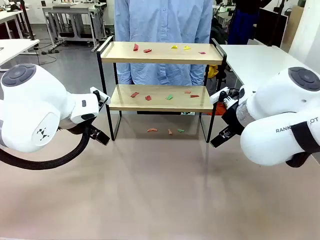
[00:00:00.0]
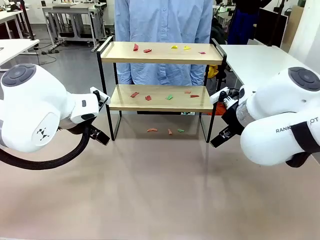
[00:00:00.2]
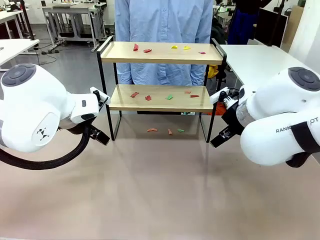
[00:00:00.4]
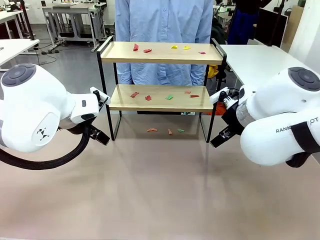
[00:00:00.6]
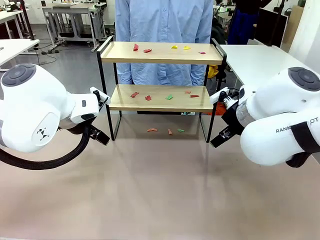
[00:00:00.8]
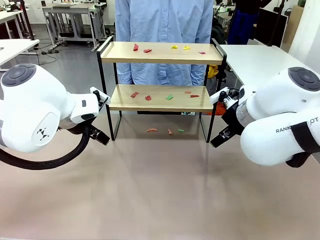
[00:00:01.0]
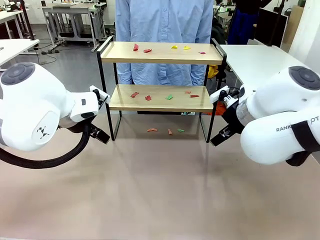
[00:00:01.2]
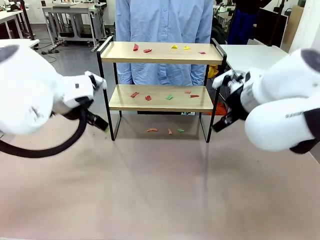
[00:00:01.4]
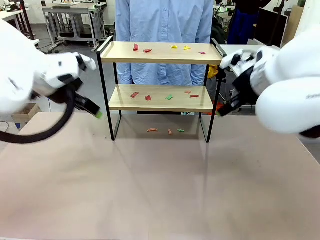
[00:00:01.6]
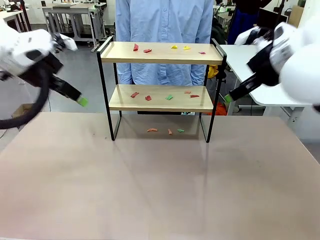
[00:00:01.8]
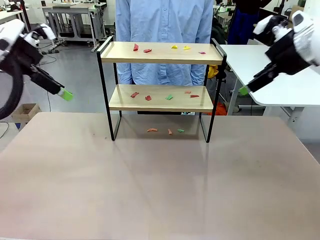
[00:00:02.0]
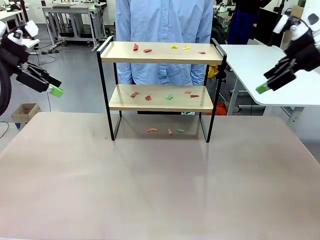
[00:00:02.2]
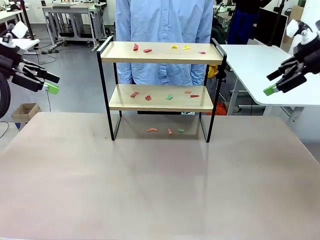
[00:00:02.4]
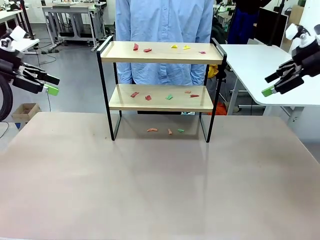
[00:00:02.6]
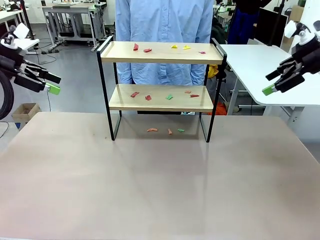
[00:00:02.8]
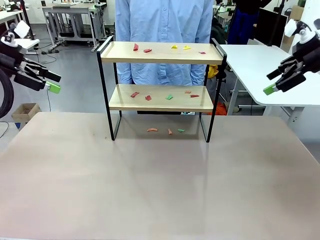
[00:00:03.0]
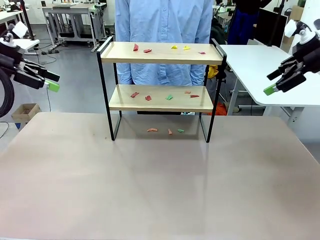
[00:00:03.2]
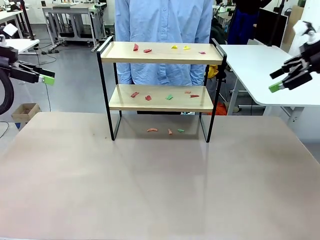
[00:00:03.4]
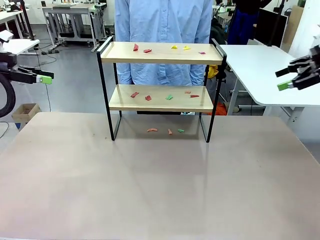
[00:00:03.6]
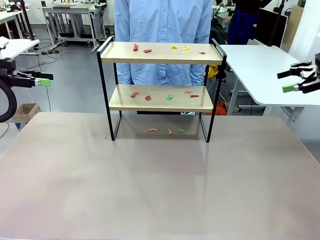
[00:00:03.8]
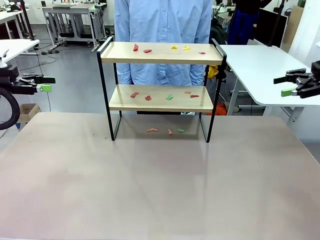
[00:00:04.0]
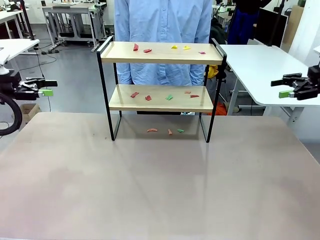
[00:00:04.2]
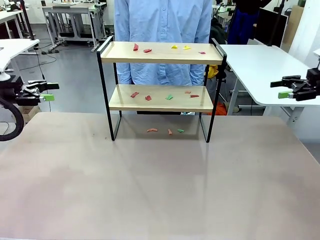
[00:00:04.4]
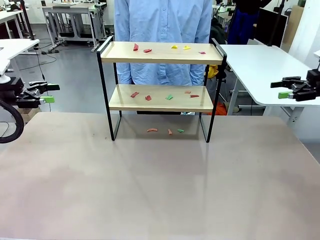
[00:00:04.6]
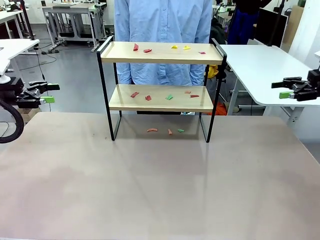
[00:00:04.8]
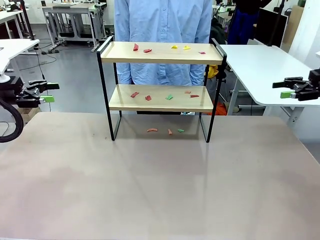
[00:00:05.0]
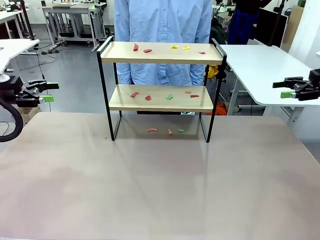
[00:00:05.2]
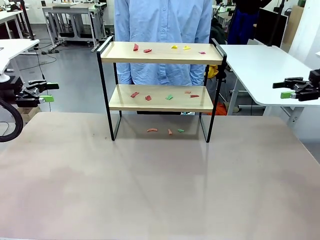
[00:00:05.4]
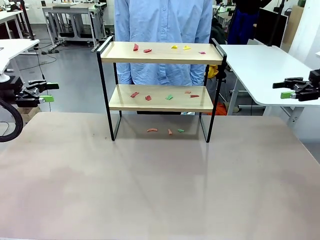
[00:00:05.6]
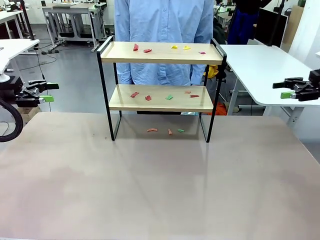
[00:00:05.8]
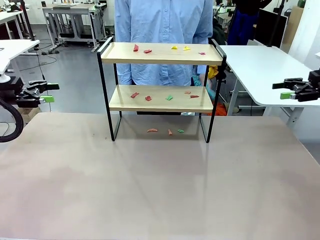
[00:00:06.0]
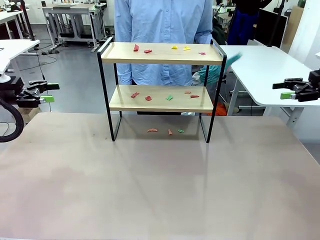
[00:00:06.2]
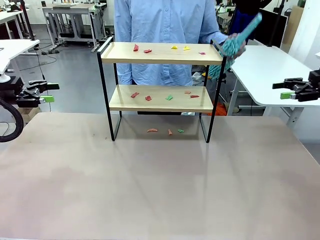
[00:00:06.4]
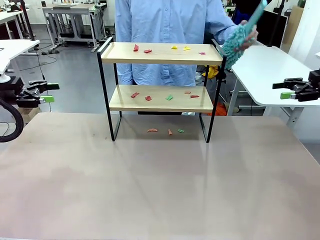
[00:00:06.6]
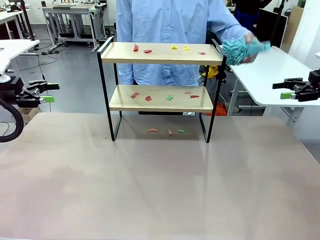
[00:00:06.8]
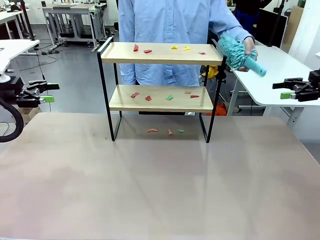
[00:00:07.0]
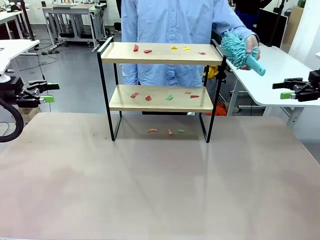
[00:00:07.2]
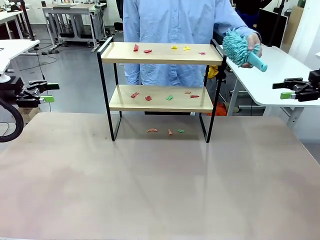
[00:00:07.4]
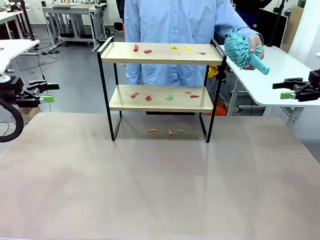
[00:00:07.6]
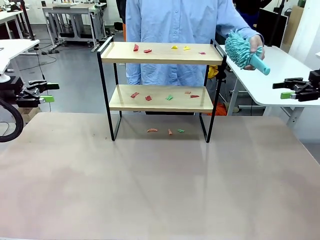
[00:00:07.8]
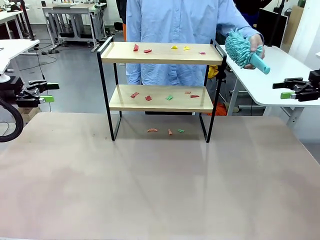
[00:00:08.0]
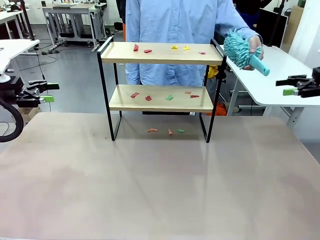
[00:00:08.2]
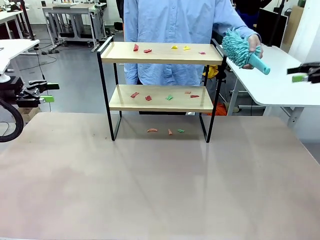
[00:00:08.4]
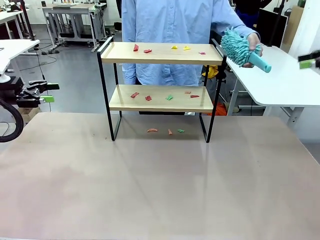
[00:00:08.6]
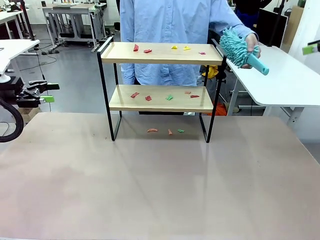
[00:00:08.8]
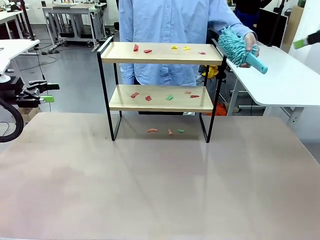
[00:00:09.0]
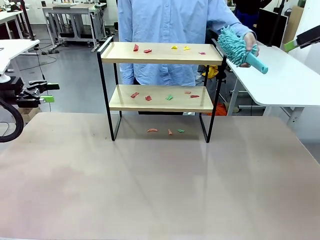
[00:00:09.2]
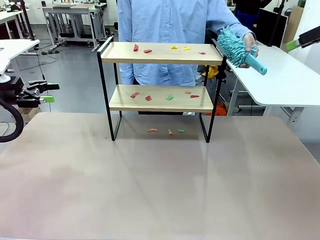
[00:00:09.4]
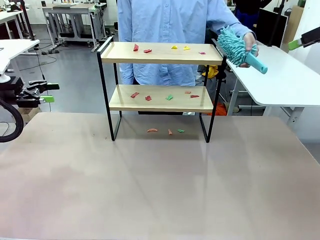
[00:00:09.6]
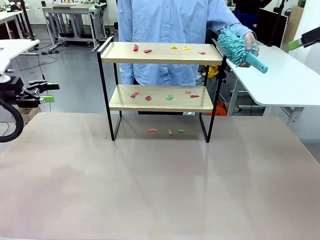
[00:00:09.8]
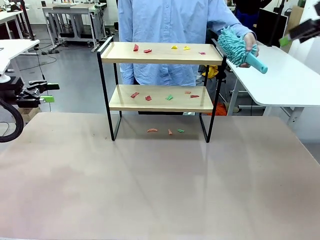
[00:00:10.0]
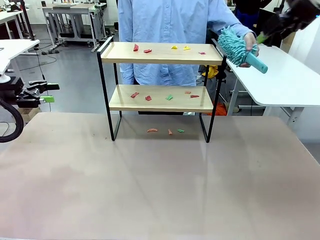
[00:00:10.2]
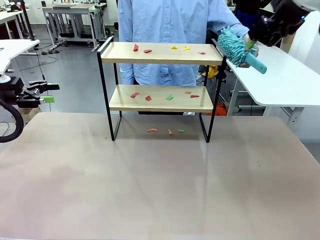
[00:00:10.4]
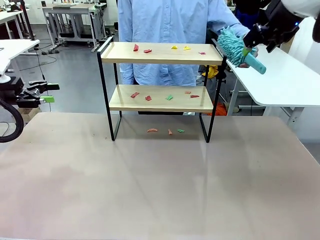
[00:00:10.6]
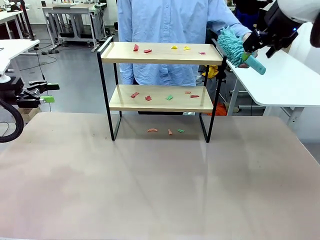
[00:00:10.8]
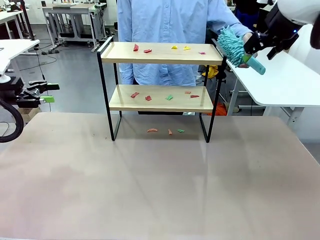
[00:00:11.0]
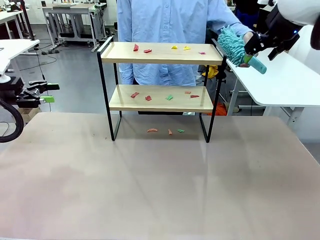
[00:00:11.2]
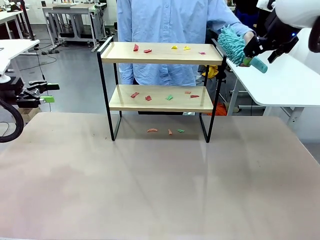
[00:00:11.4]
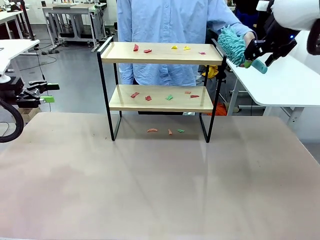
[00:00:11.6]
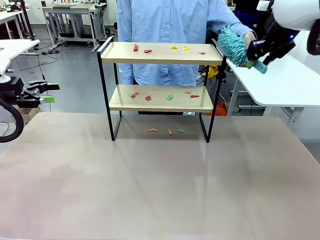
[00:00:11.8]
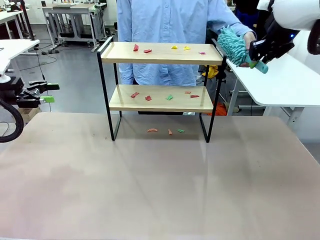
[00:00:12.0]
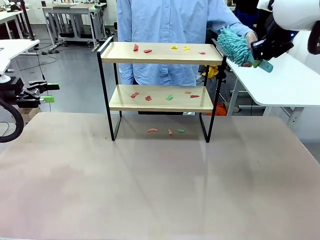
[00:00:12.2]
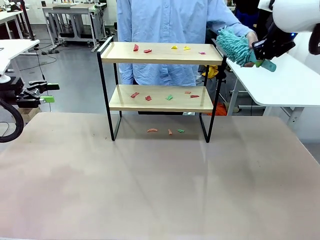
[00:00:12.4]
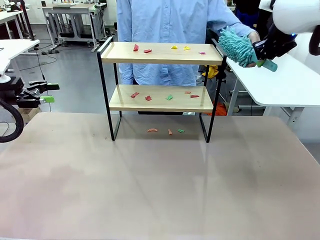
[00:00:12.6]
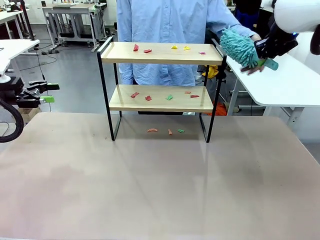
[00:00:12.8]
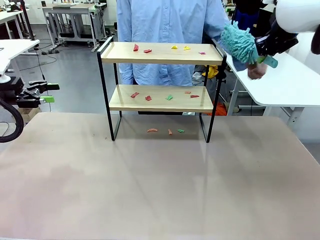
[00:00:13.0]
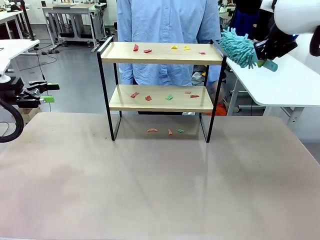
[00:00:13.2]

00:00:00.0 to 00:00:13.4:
Task: Clean the shelf.
Robot: Pick up the Duster handed by the human.
Person: Hand the Duster to the robot.
